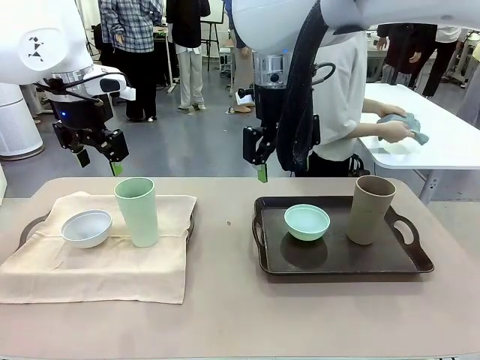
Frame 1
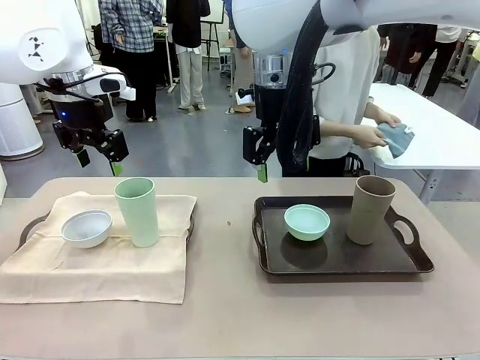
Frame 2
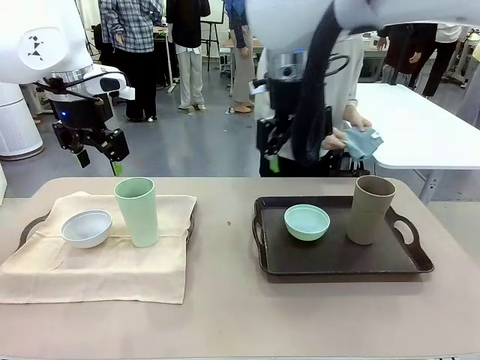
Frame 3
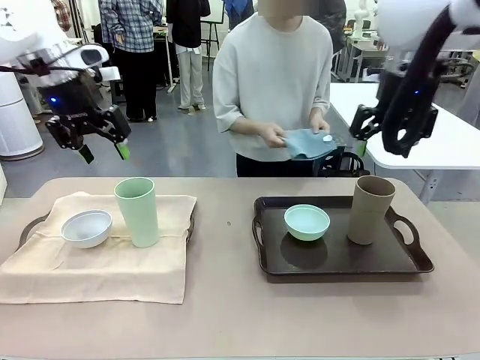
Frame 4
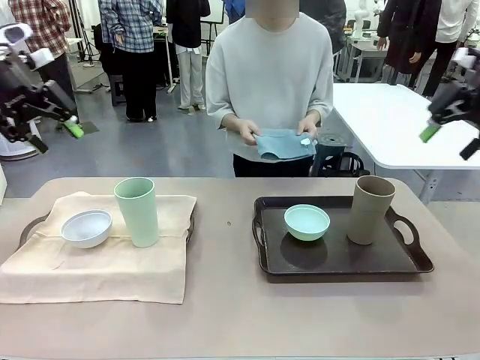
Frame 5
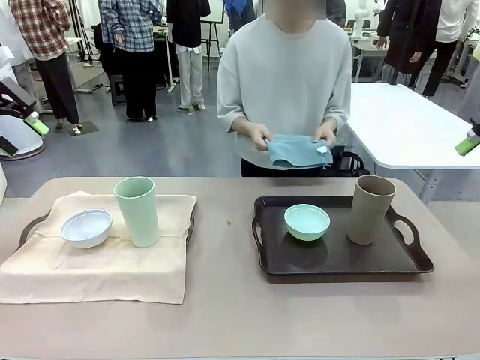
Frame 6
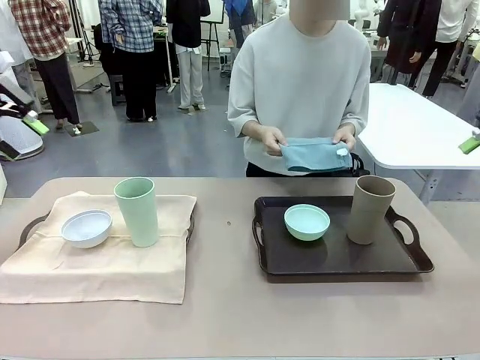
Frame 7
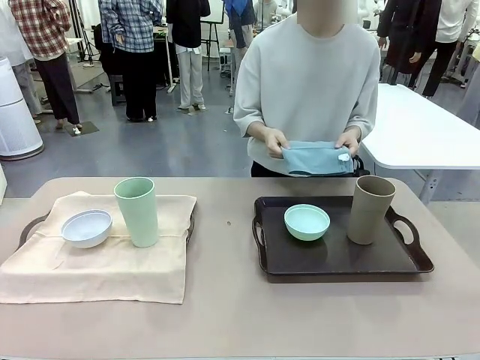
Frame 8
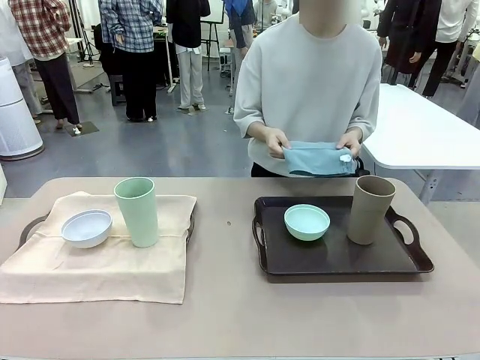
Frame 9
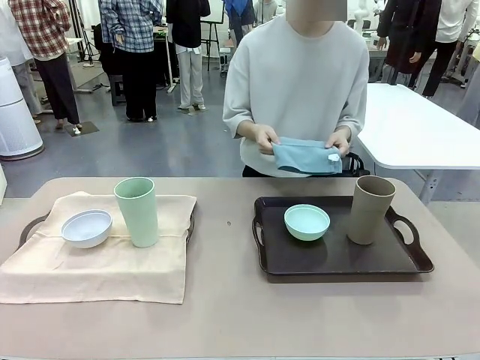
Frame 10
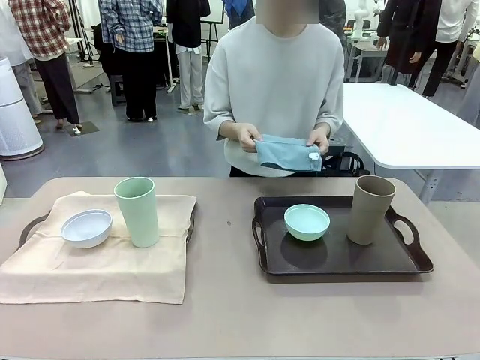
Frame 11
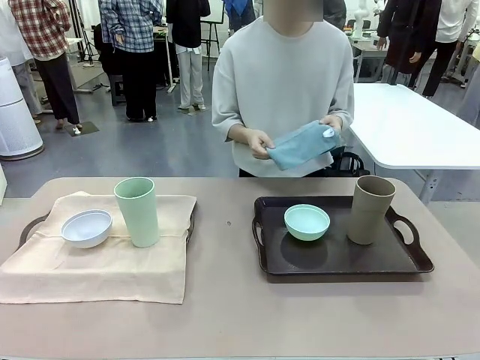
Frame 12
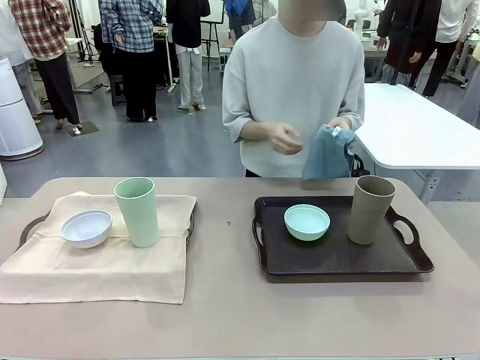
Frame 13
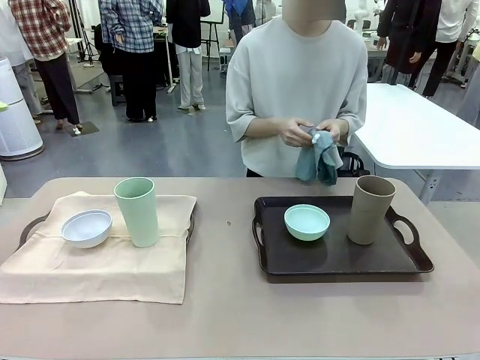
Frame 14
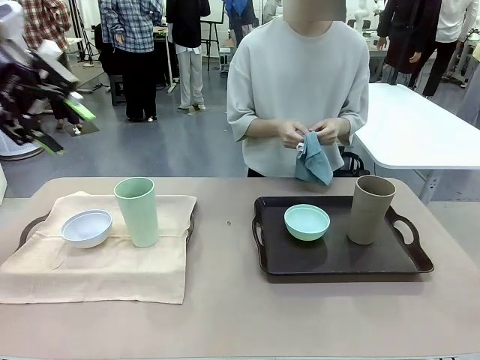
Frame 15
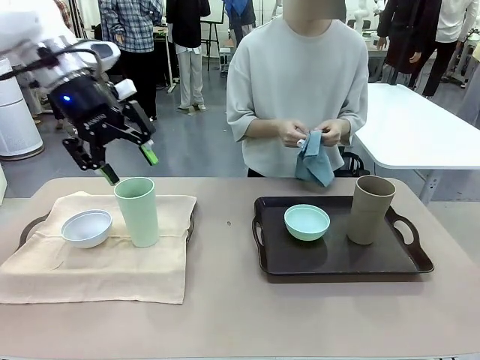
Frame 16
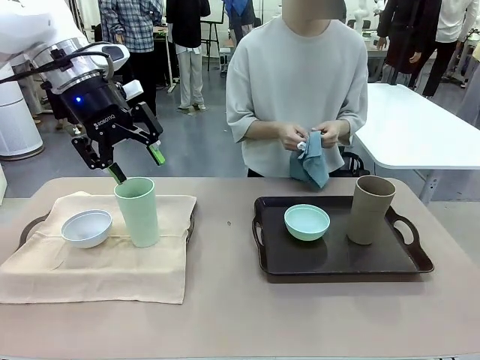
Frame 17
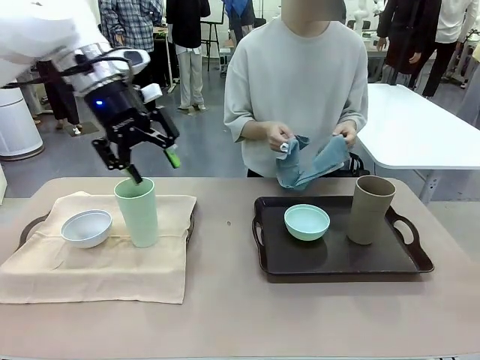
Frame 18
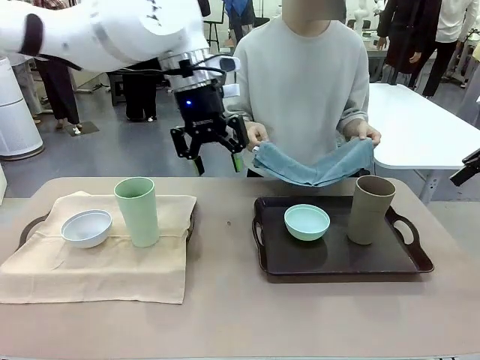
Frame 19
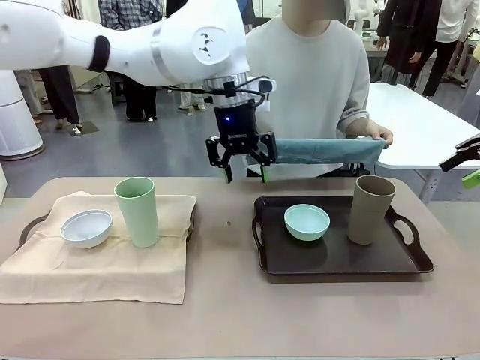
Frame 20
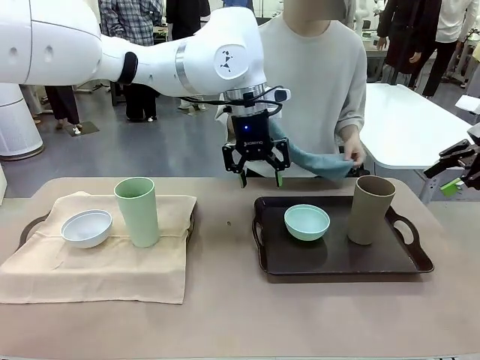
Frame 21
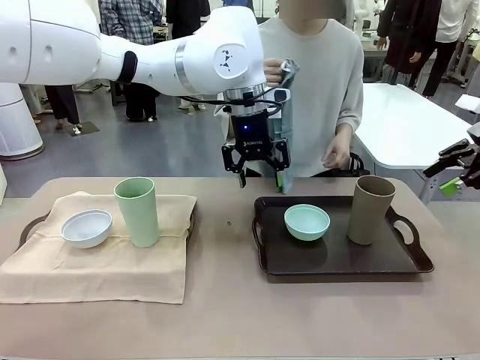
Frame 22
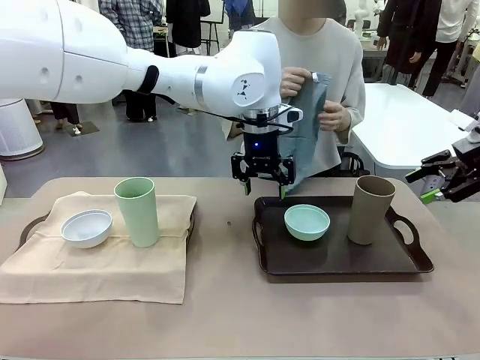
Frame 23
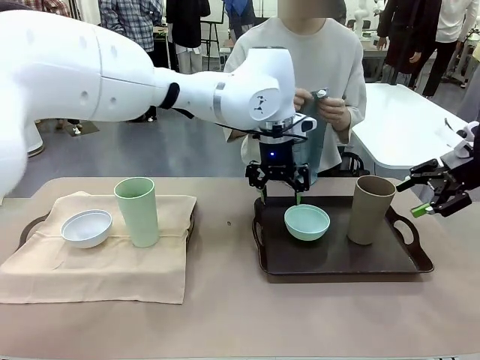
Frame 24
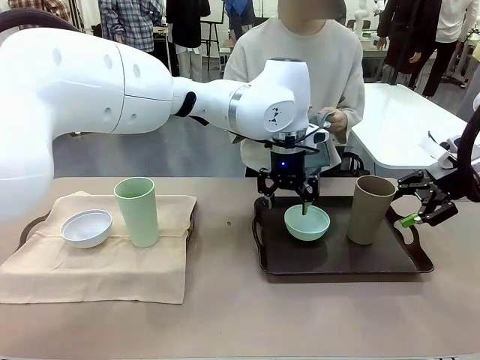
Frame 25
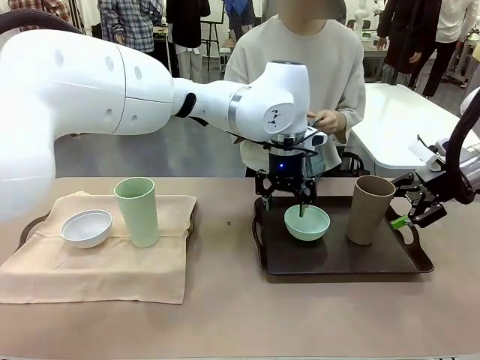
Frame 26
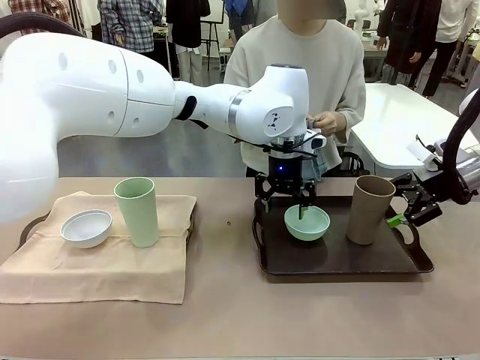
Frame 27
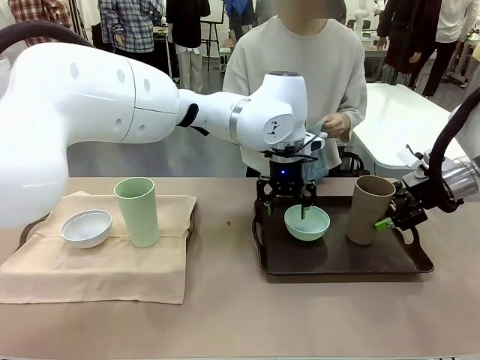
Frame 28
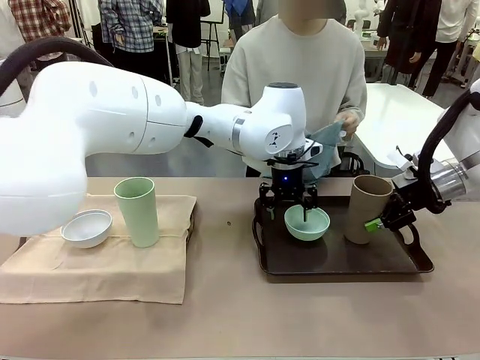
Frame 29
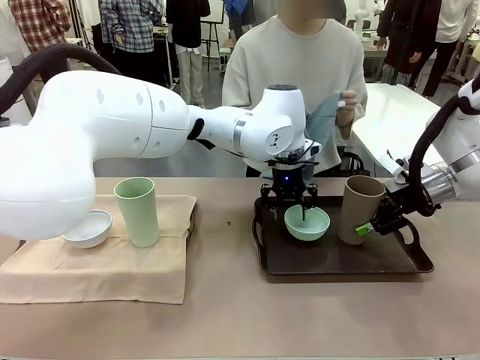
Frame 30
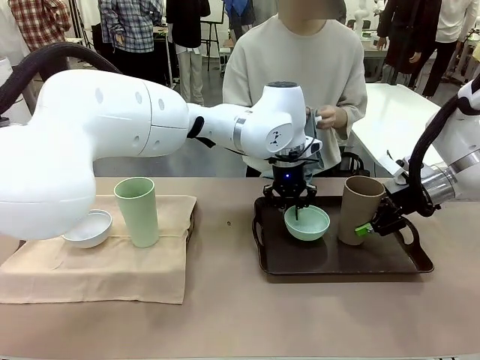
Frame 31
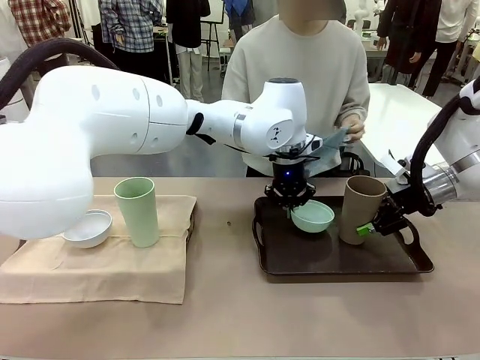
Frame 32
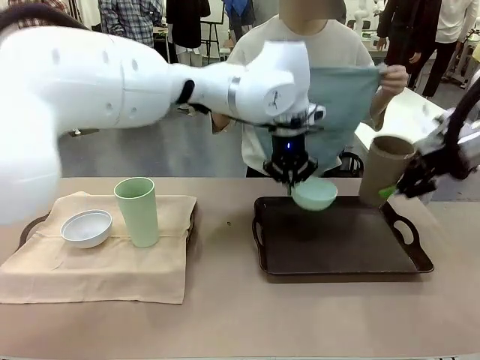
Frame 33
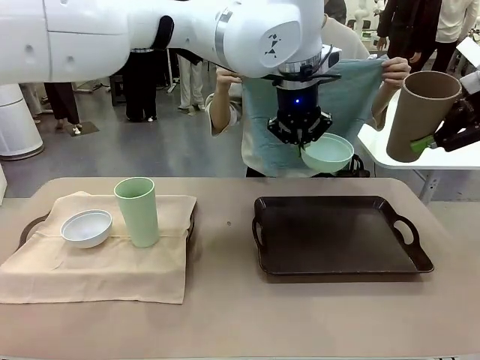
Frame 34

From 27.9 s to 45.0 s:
Robot: Pick up the Picnic Bowl and Reusable plastic cup from the Handle tray in front of the human's position and hold them in the air.
